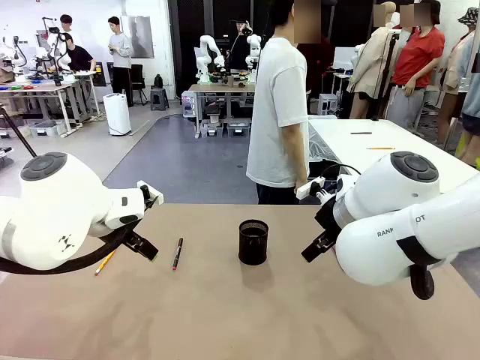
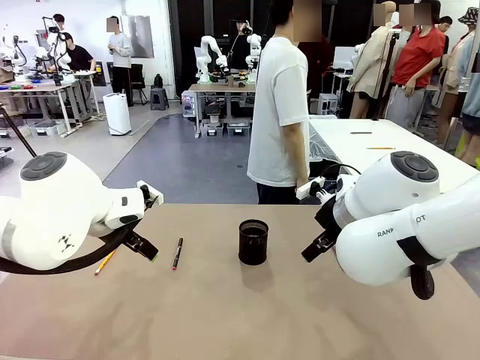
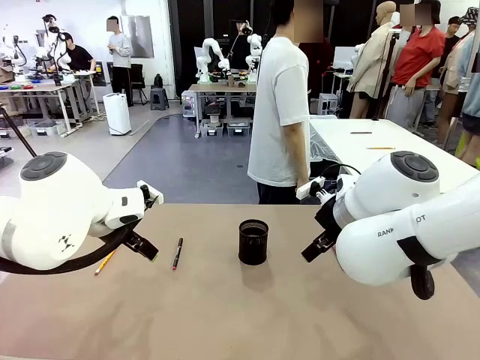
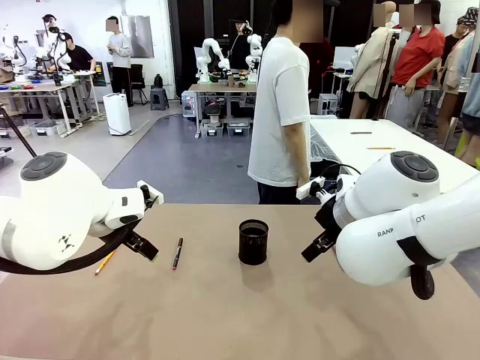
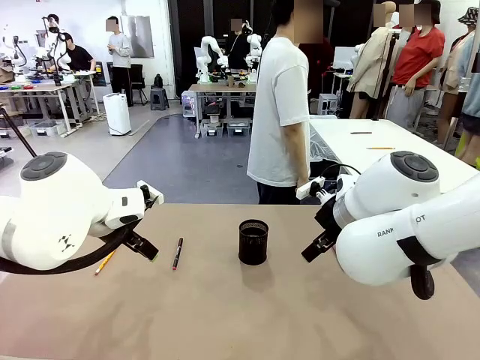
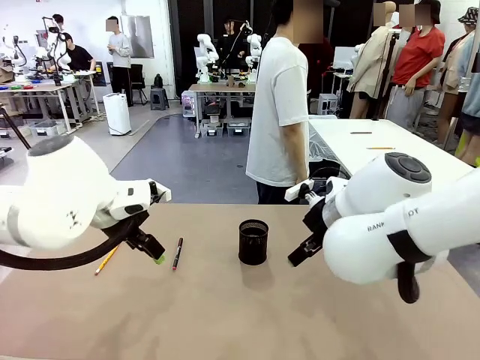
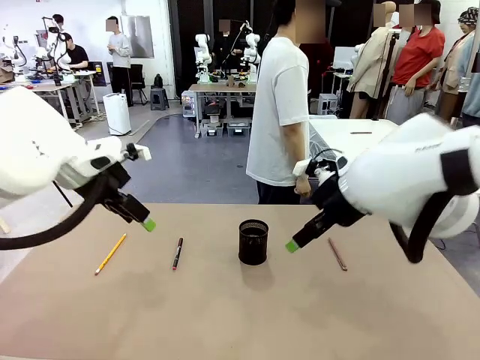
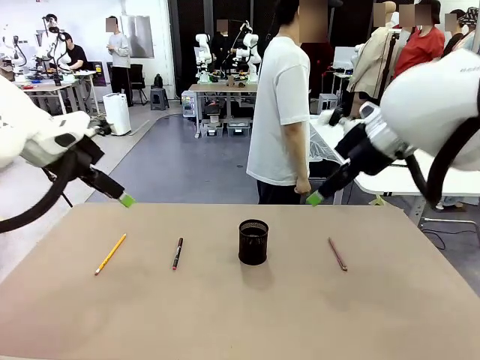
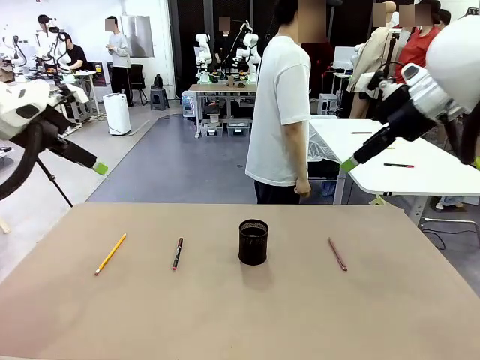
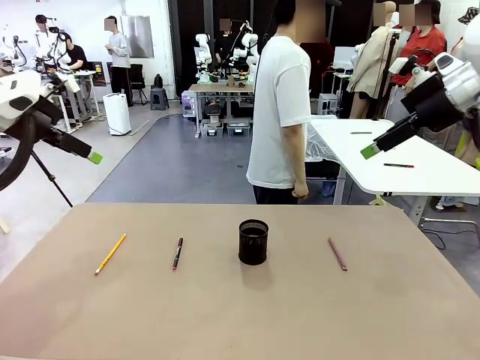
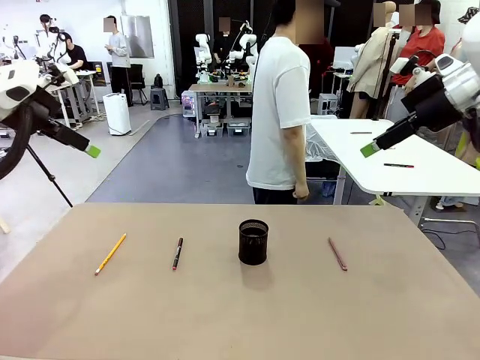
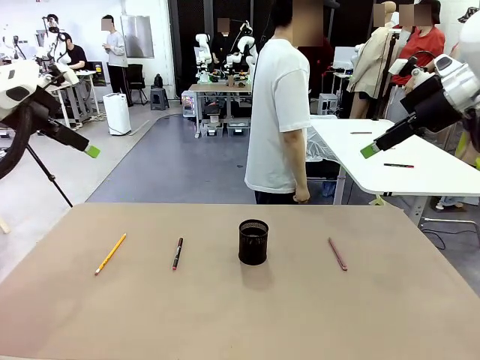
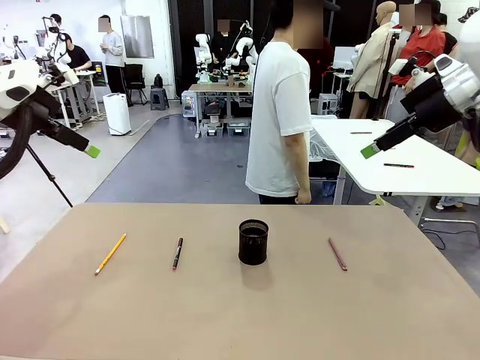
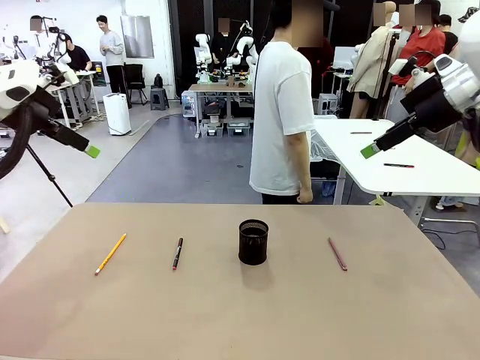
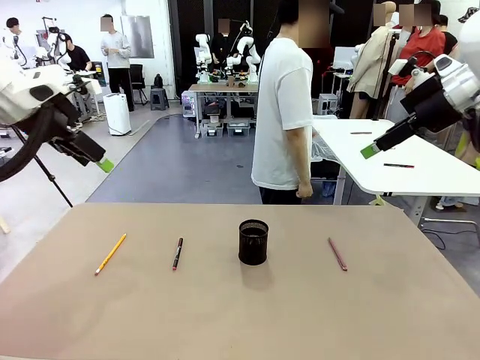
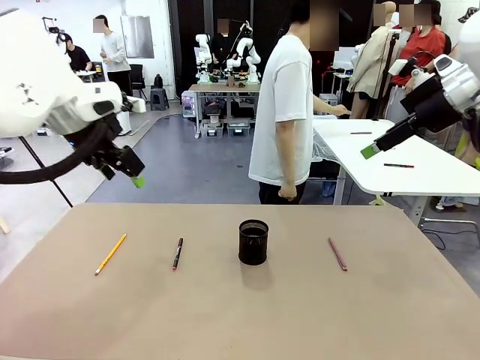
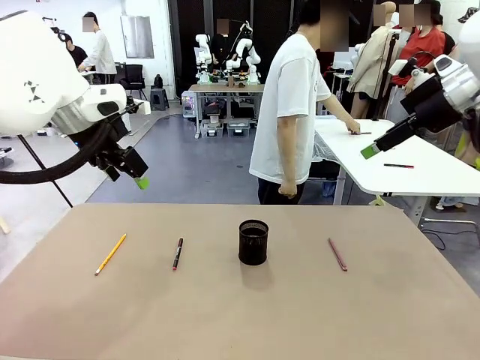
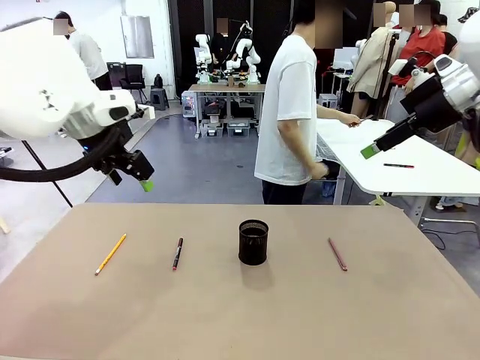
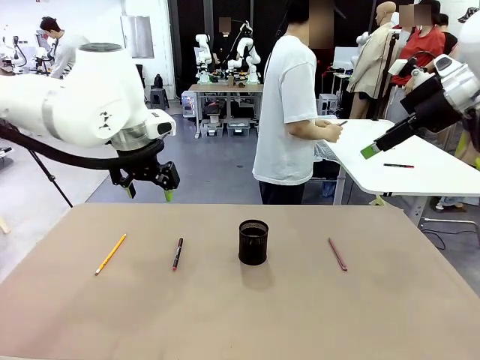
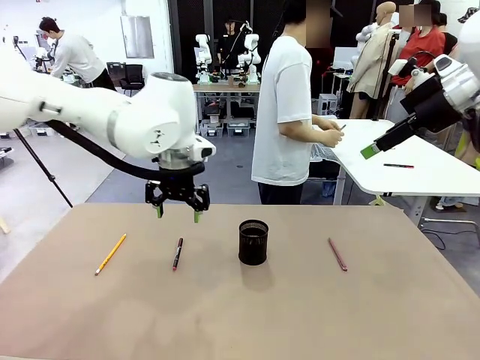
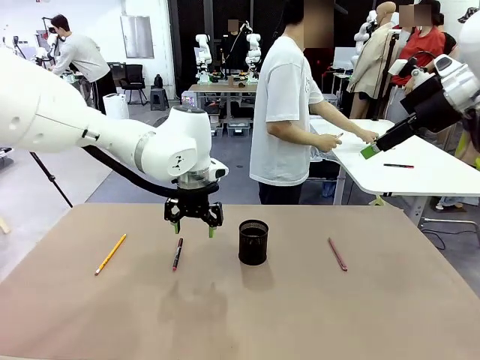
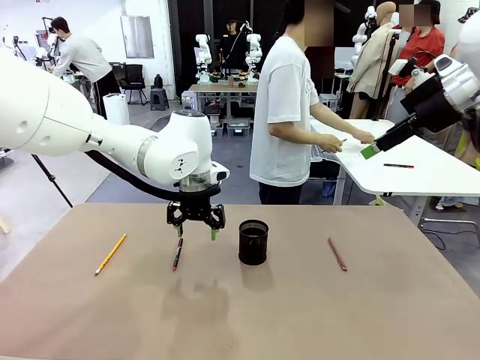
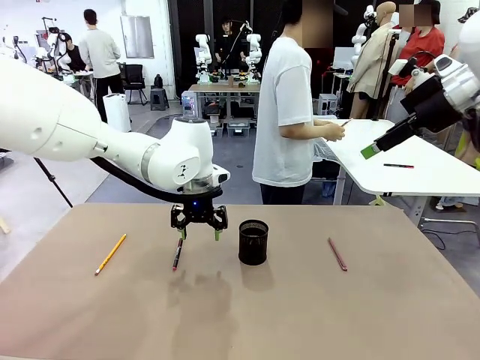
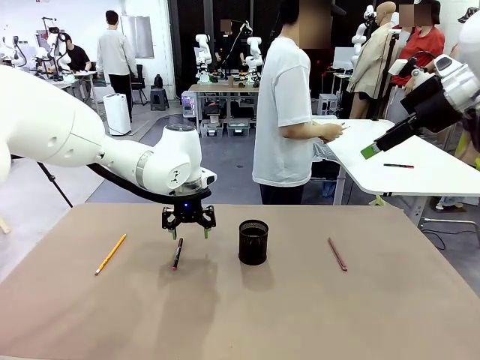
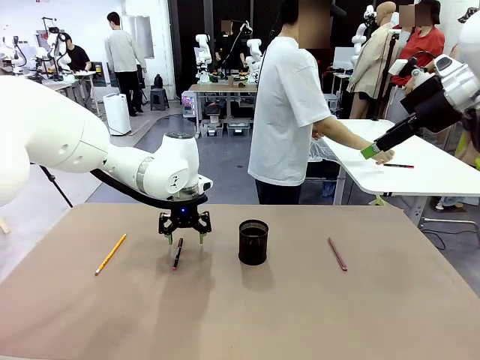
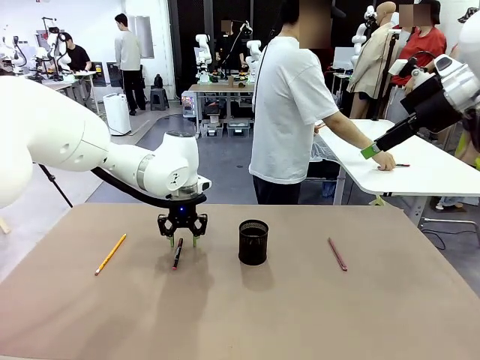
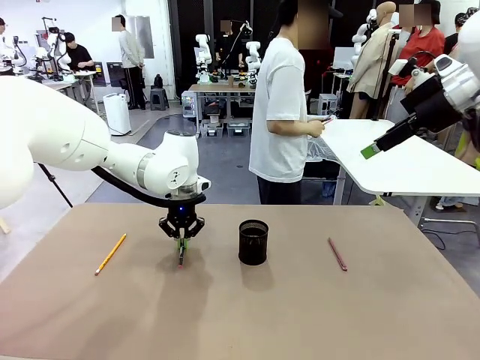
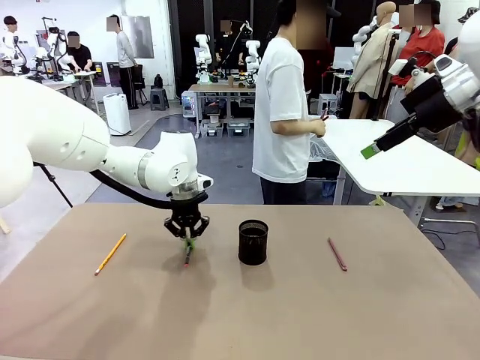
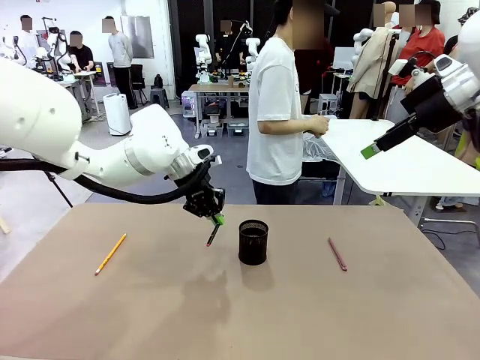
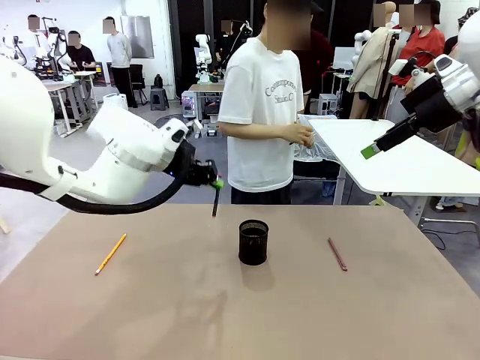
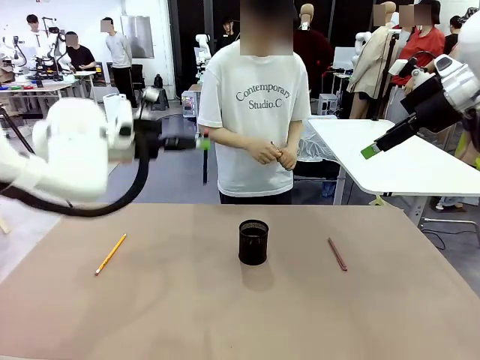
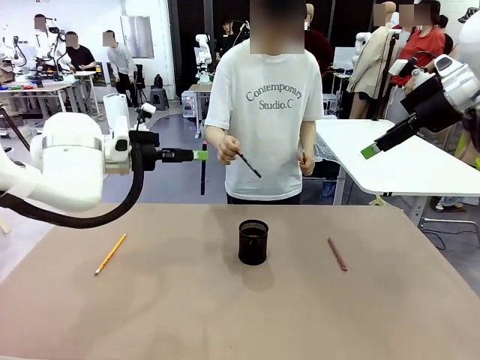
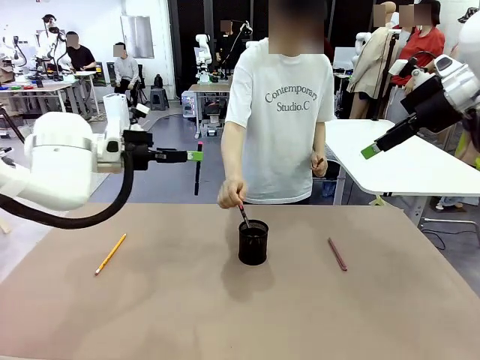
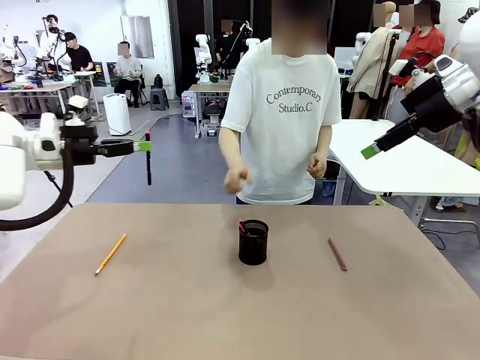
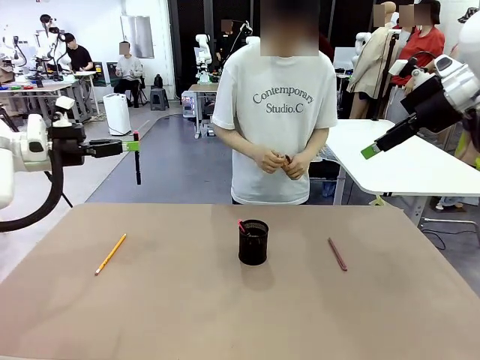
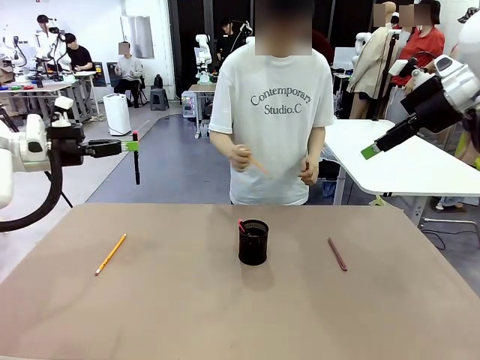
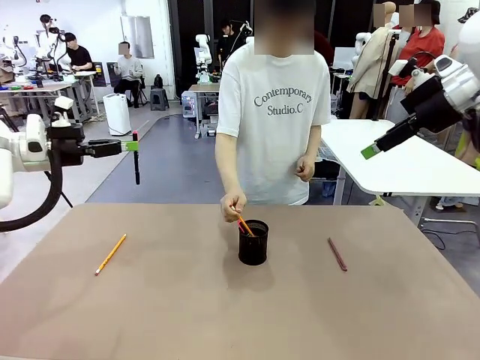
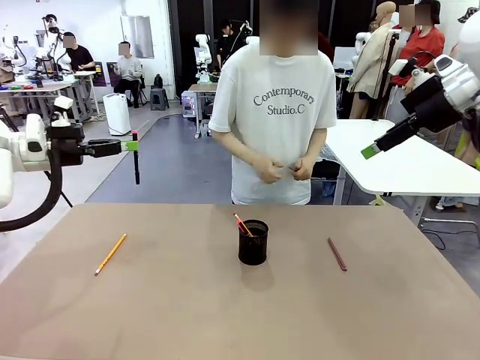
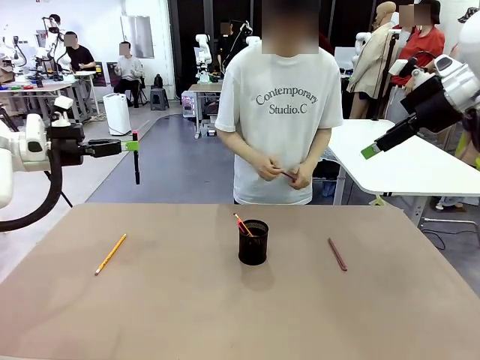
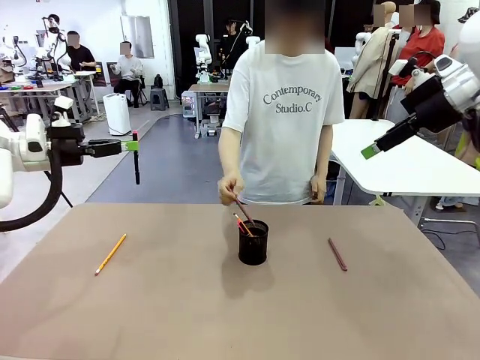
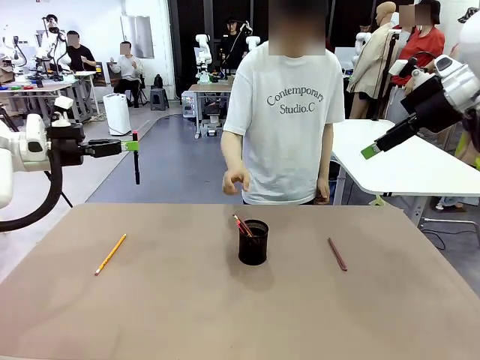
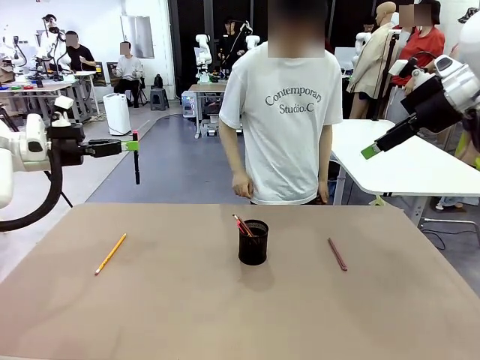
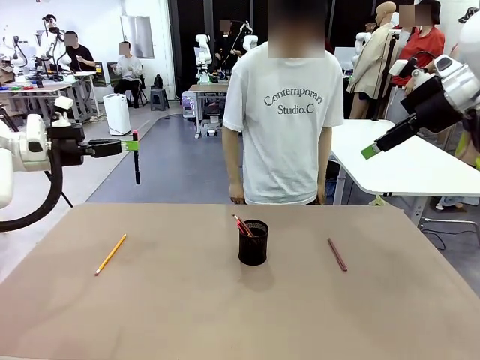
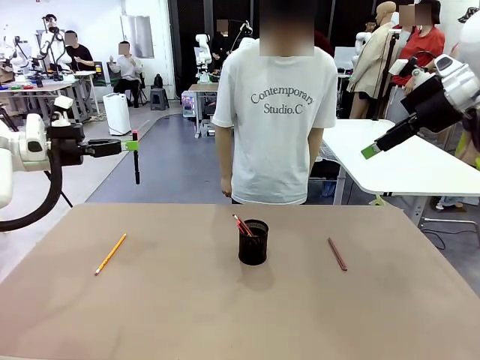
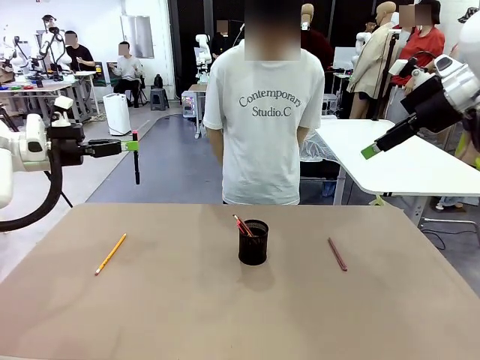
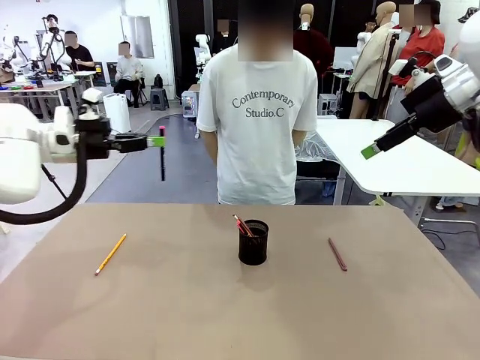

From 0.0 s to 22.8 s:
Task: Place the pens into the pen holder.
Robot: Pick up a writing instrument from the table and place it into the Pen holder.
Person: Pick up all writing instruments from the Human table.
